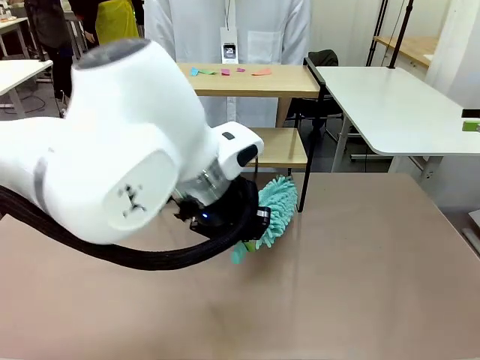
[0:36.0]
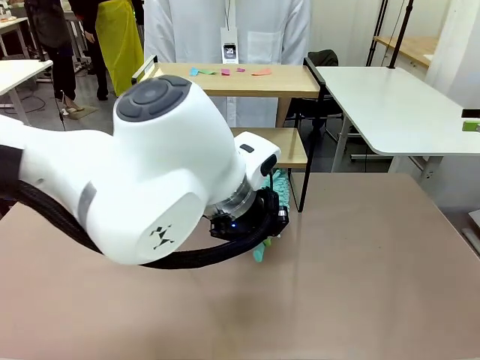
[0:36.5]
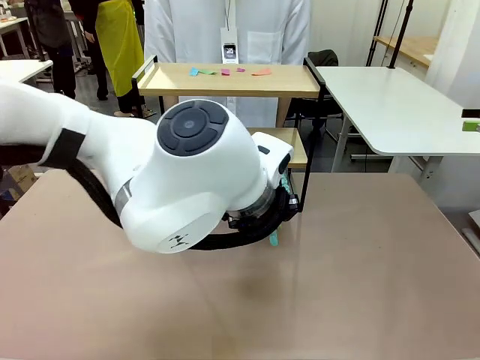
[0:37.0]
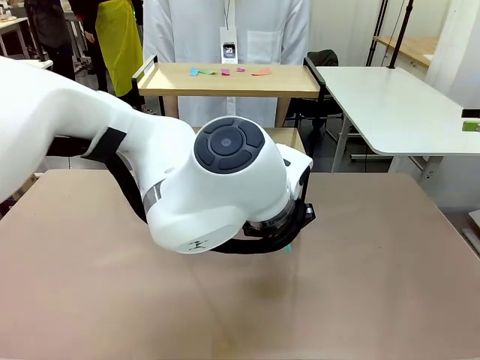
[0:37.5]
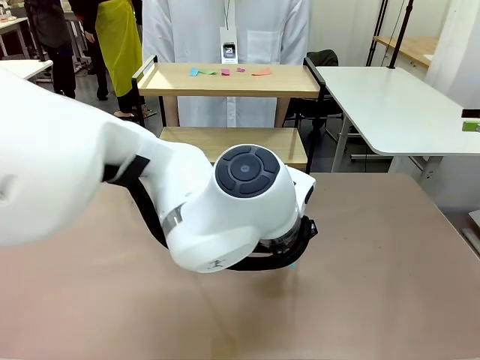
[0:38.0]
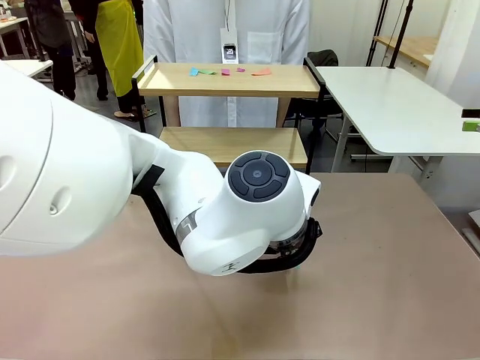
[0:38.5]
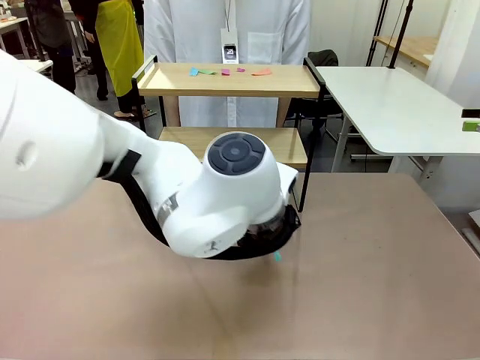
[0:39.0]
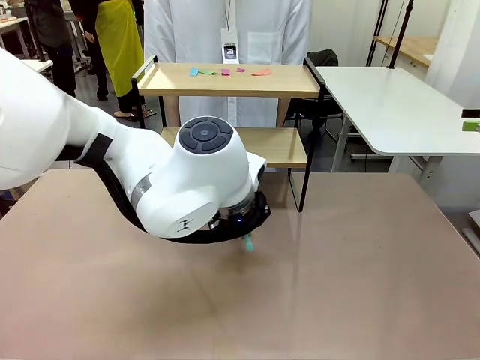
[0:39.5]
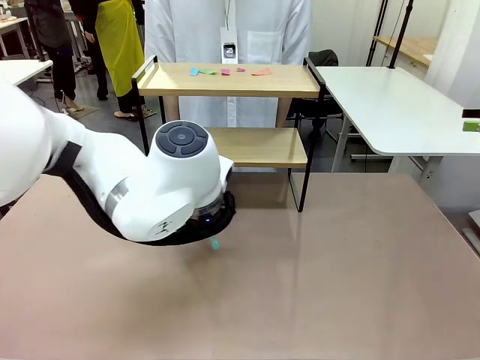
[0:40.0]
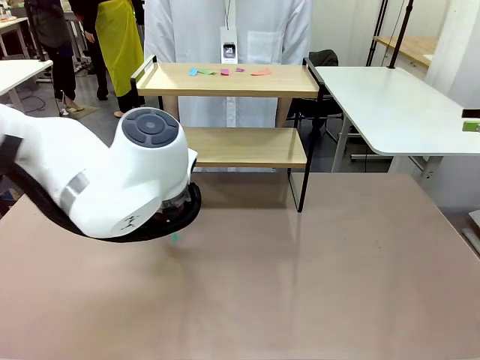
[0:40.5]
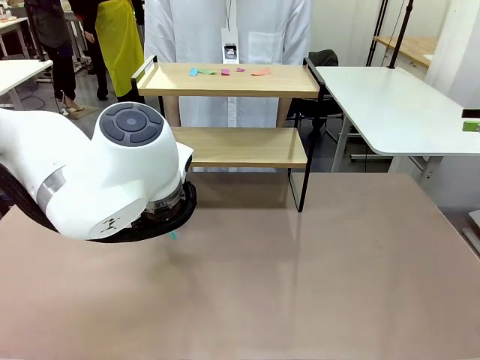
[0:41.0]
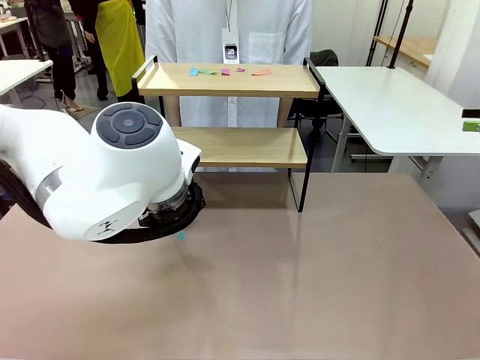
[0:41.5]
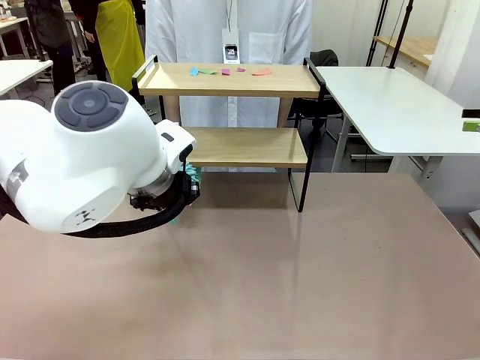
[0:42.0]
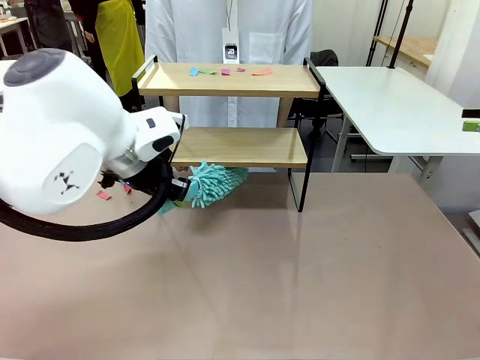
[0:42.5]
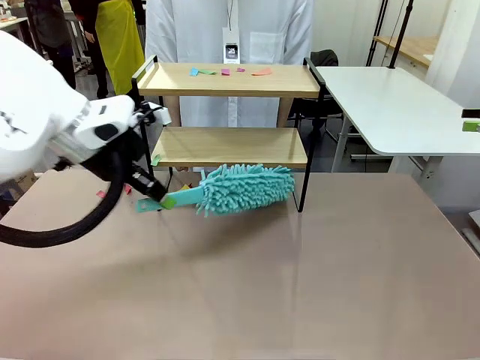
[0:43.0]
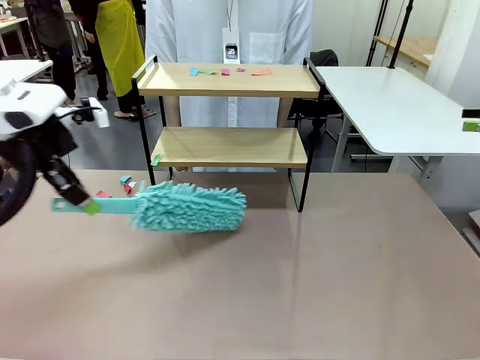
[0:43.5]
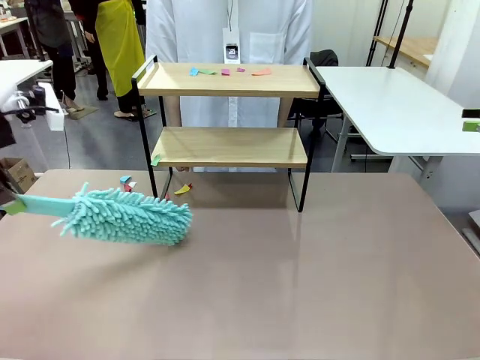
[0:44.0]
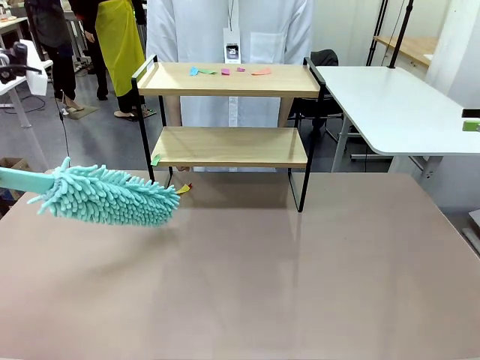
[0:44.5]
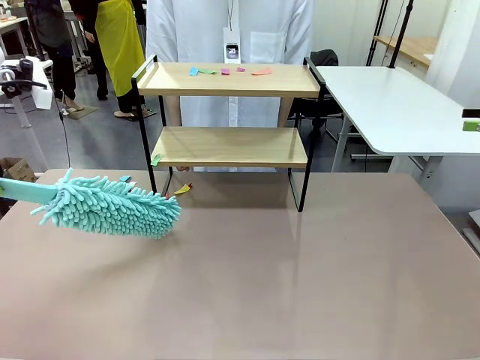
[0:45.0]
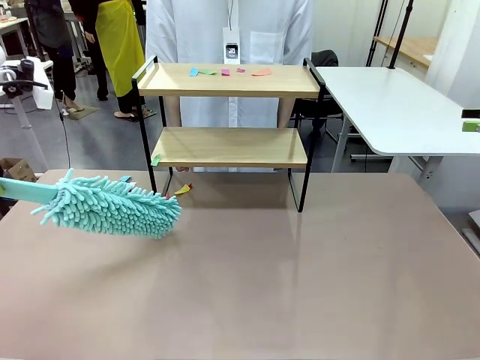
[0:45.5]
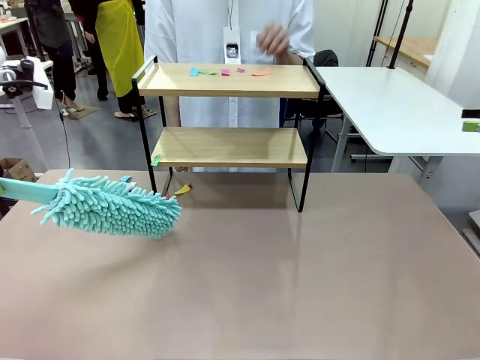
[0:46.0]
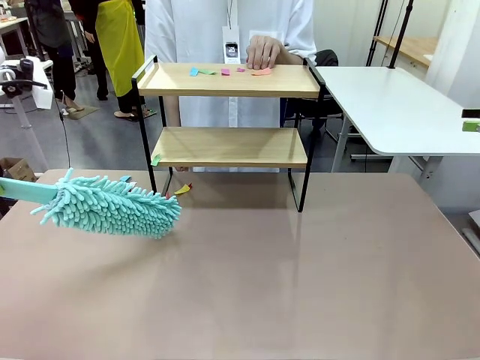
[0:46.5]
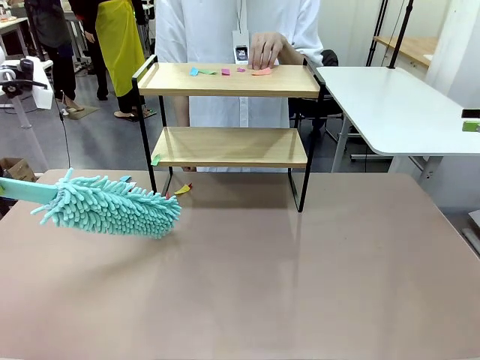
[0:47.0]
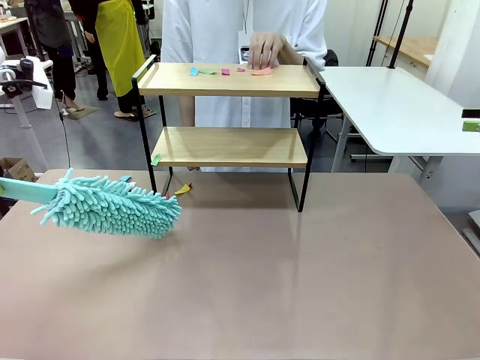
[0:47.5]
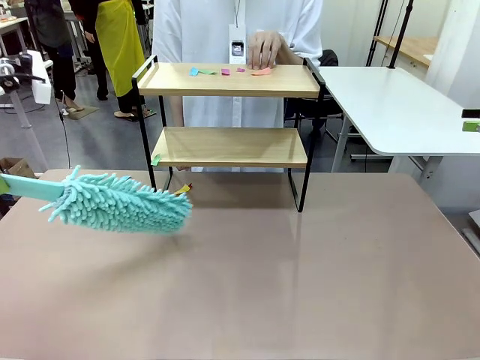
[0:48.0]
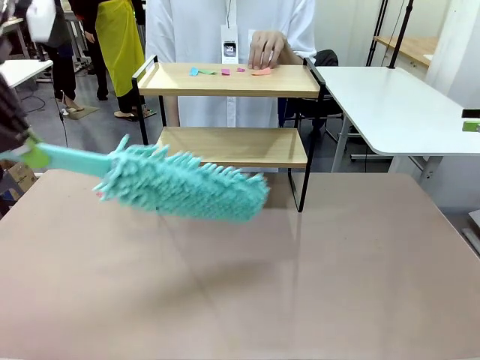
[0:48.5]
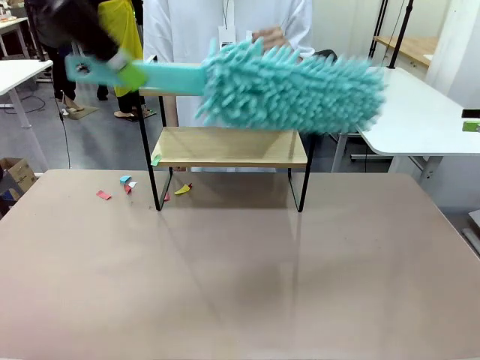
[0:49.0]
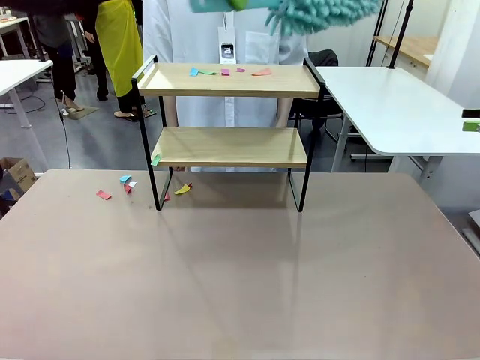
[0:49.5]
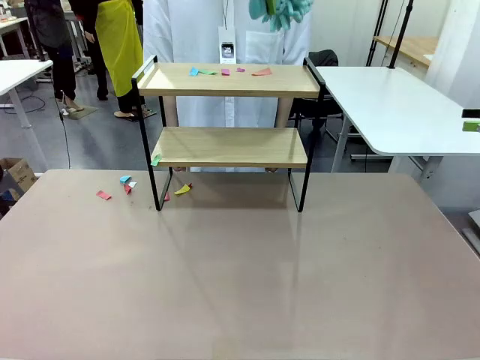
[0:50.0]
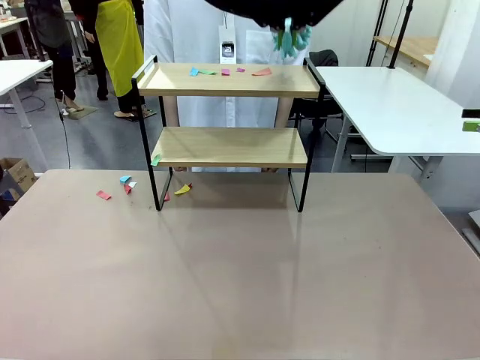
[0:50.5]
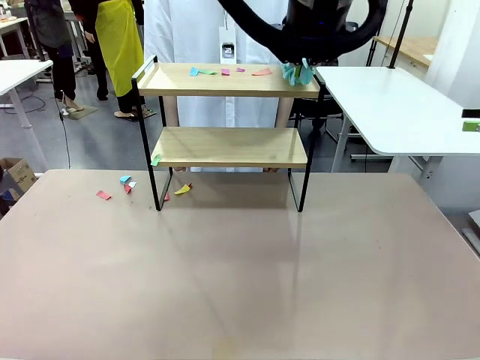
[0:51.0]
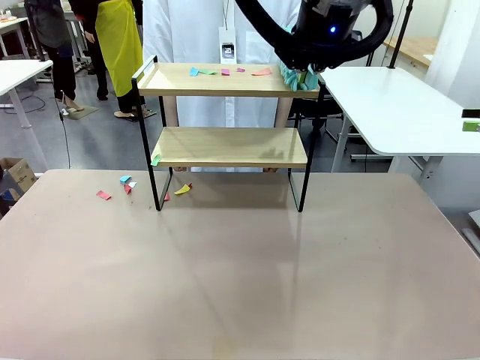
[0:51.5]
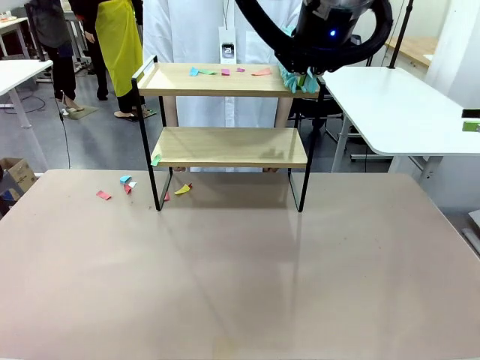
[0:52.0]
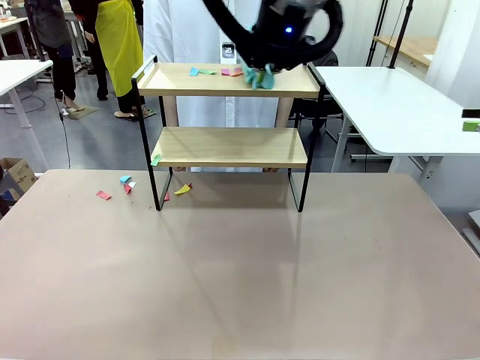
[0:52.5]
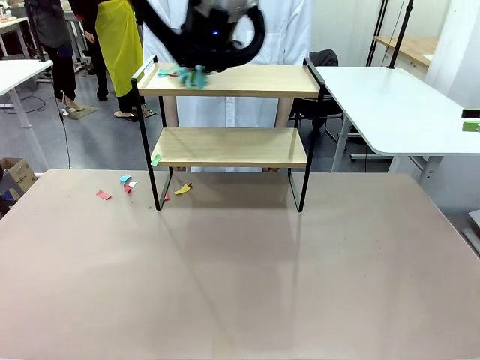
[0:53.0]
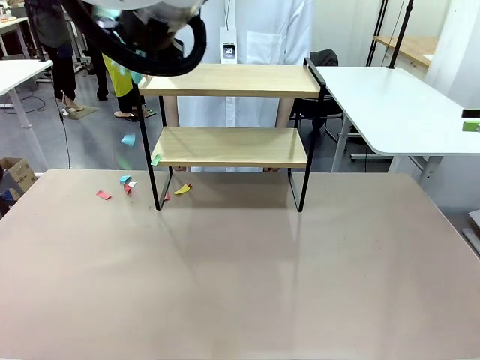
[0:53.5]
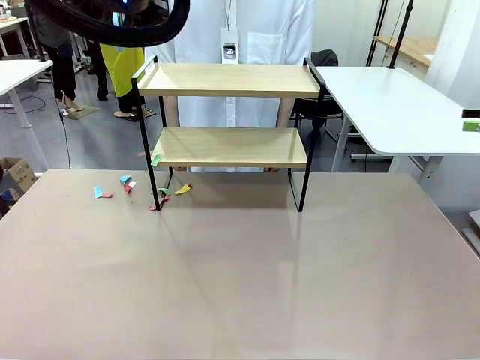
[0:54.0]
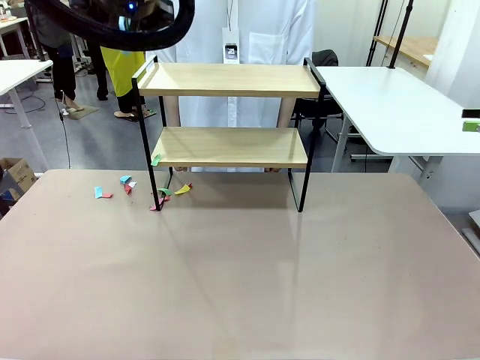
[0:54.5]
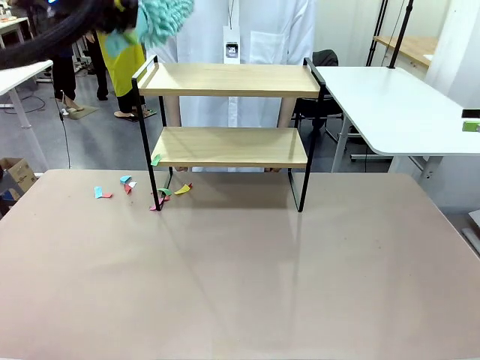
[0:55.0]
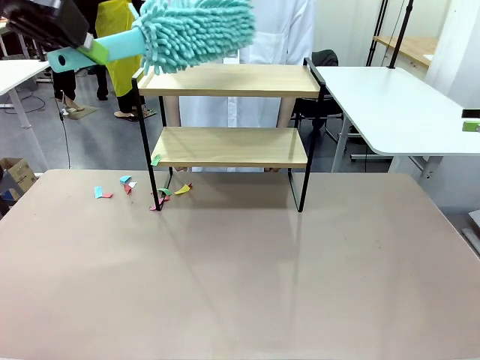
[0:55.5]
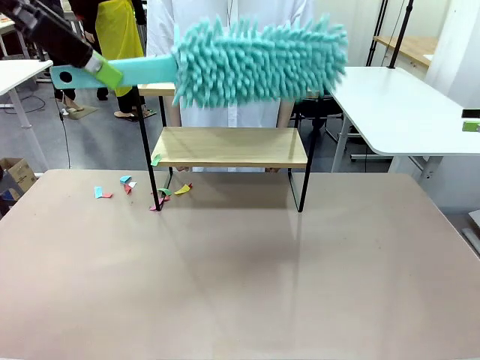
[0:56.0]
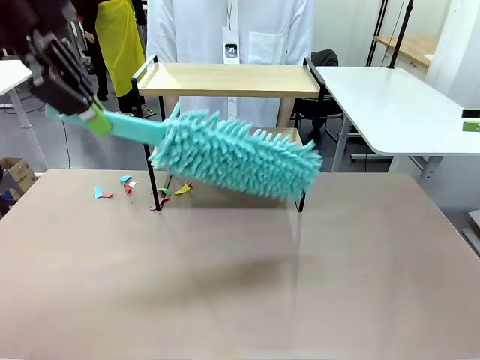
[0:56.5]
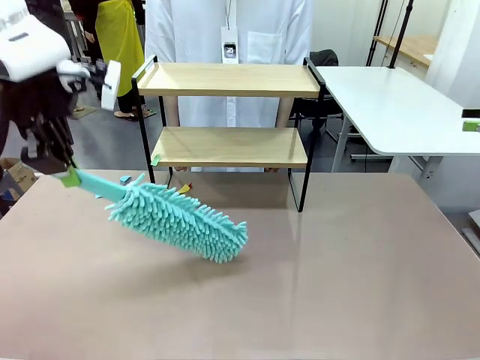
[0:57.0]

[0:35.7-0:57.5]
Task: Clean the shelf.
Robot: Clean the specific section of the Shelf indicated by the human with the Duster.
Person: Point a remaining section of the Shelf.
